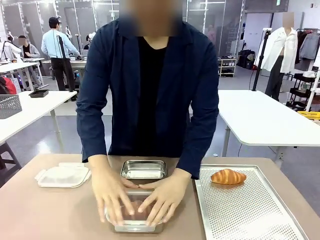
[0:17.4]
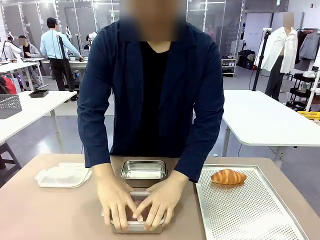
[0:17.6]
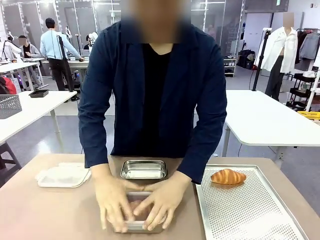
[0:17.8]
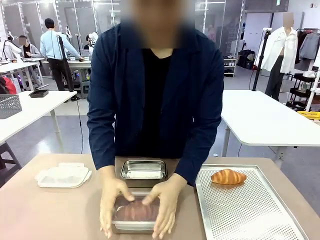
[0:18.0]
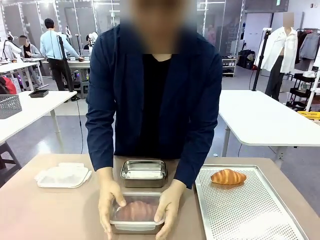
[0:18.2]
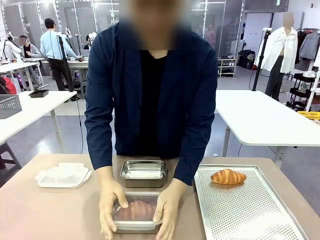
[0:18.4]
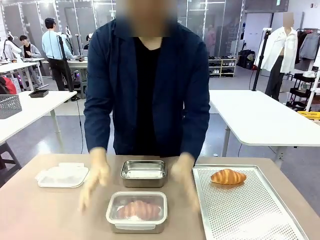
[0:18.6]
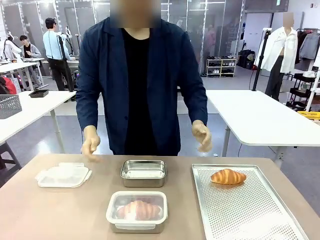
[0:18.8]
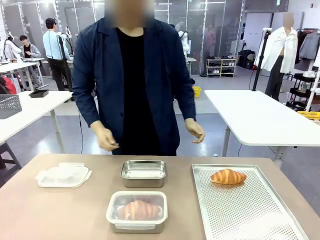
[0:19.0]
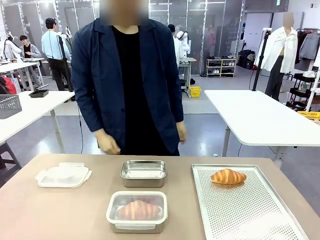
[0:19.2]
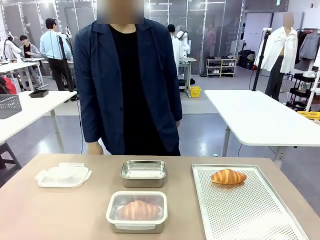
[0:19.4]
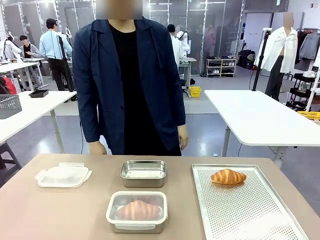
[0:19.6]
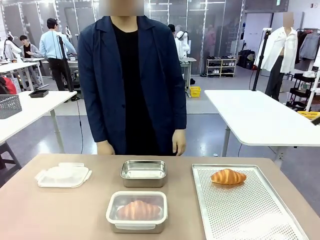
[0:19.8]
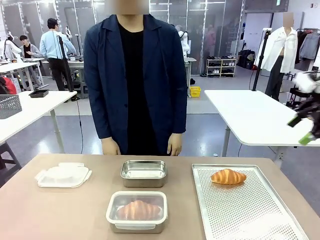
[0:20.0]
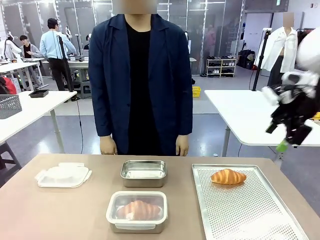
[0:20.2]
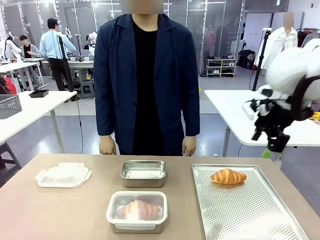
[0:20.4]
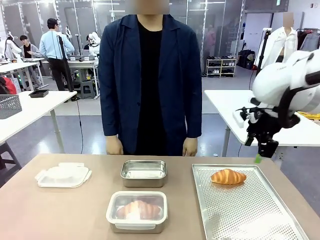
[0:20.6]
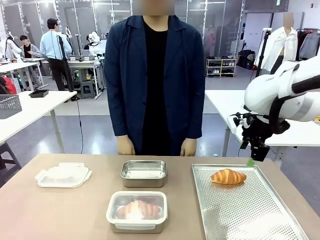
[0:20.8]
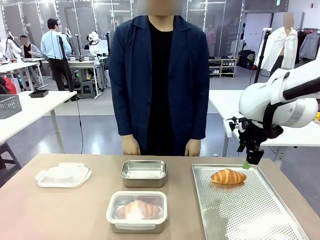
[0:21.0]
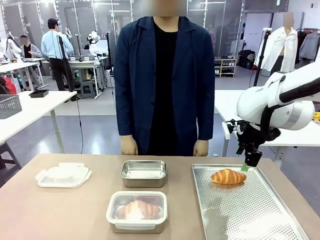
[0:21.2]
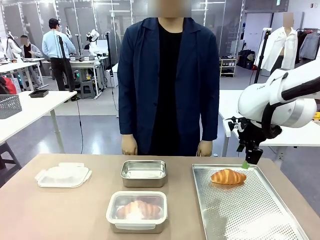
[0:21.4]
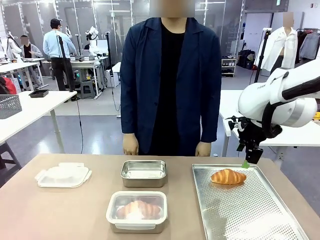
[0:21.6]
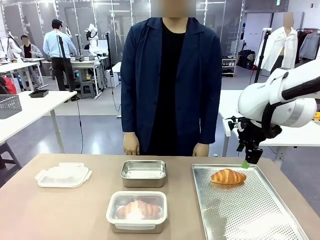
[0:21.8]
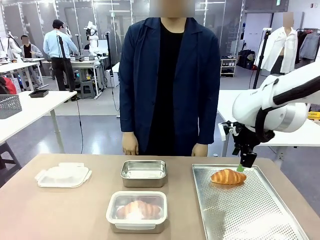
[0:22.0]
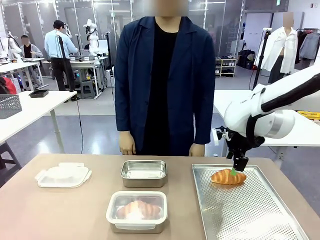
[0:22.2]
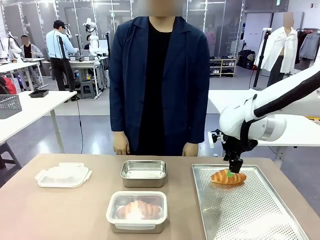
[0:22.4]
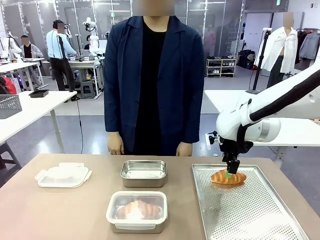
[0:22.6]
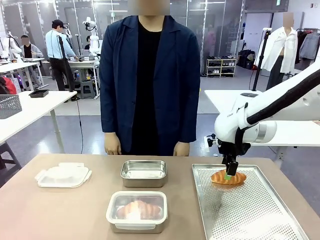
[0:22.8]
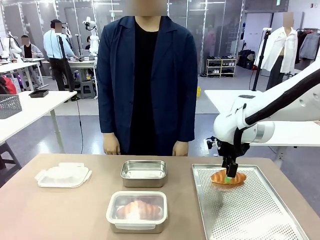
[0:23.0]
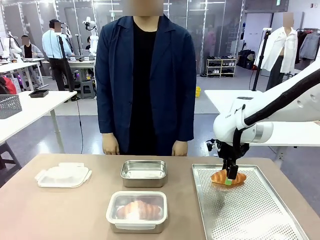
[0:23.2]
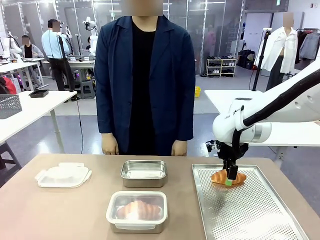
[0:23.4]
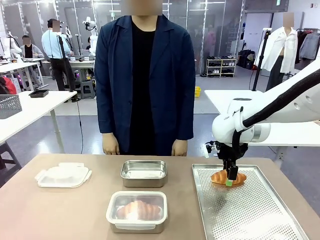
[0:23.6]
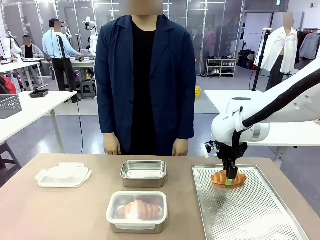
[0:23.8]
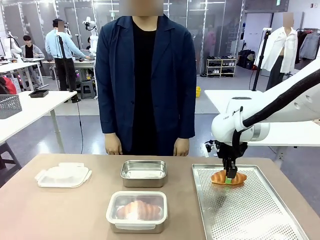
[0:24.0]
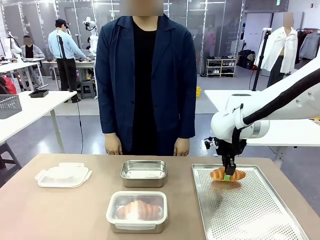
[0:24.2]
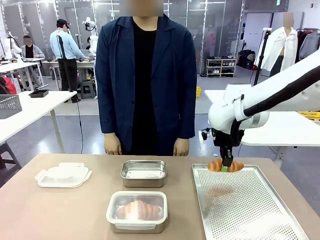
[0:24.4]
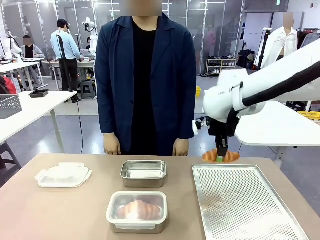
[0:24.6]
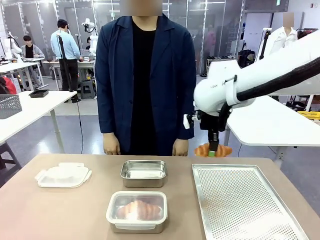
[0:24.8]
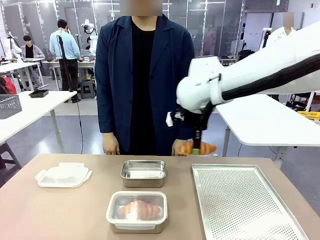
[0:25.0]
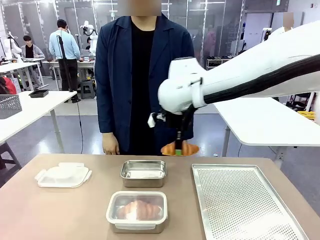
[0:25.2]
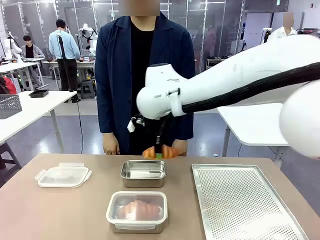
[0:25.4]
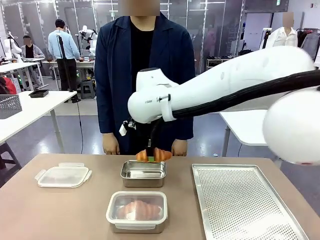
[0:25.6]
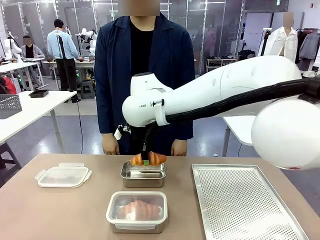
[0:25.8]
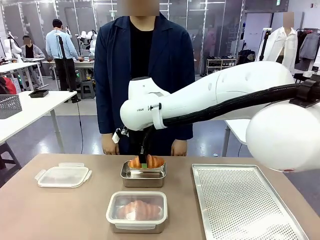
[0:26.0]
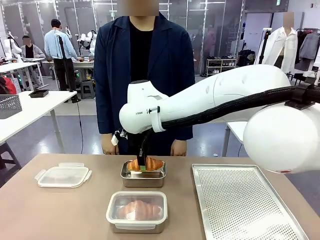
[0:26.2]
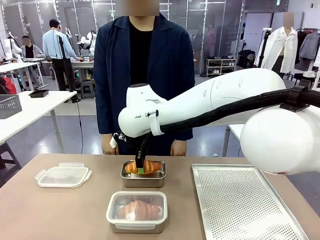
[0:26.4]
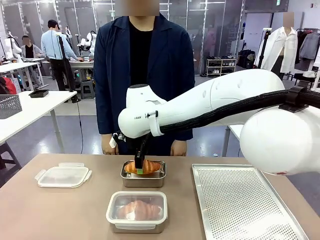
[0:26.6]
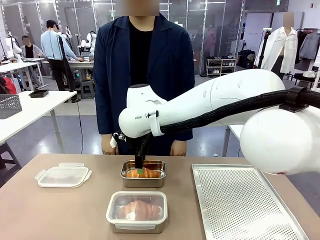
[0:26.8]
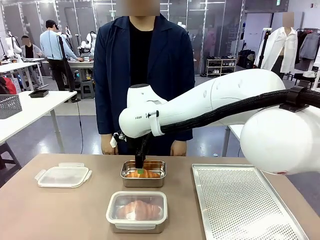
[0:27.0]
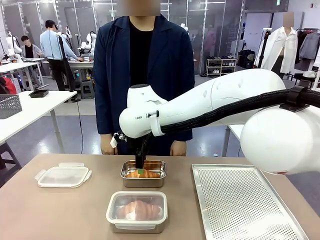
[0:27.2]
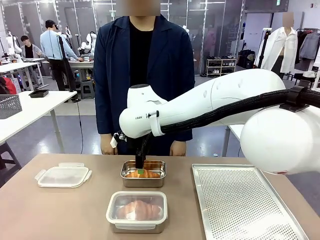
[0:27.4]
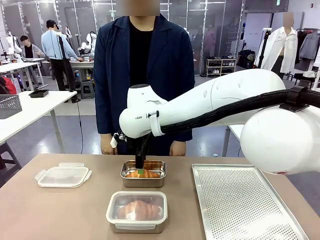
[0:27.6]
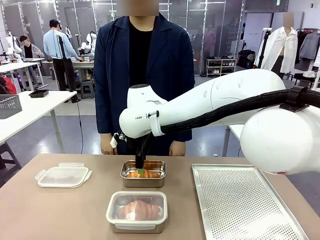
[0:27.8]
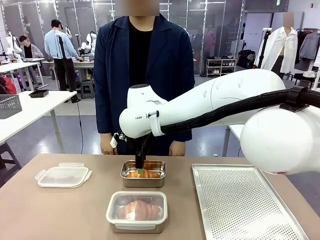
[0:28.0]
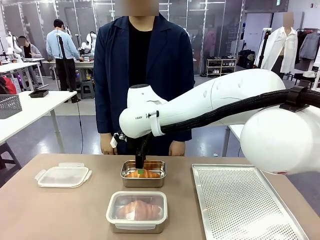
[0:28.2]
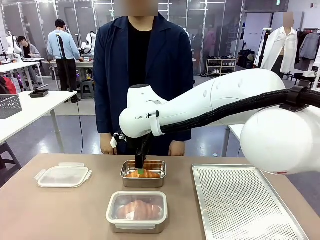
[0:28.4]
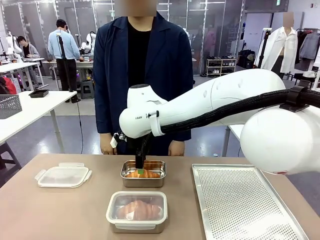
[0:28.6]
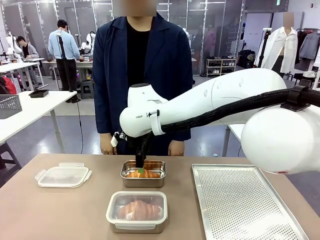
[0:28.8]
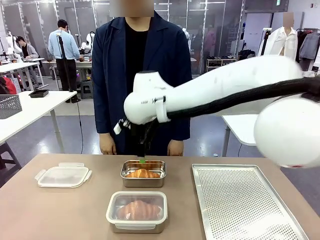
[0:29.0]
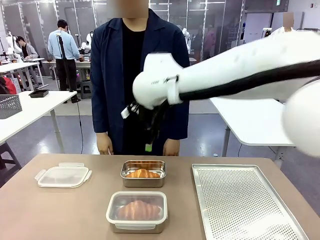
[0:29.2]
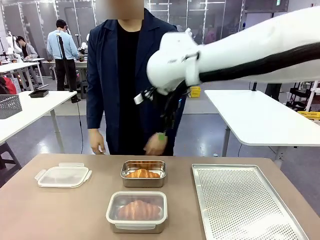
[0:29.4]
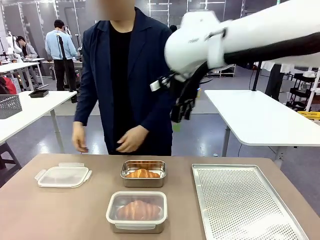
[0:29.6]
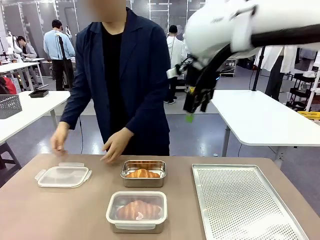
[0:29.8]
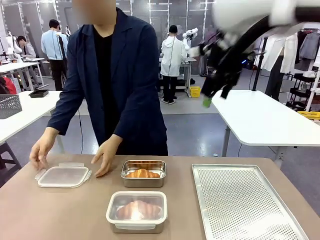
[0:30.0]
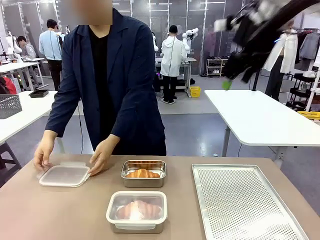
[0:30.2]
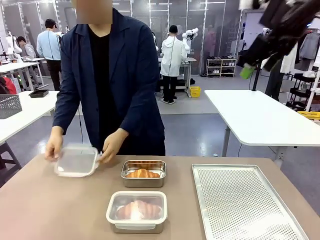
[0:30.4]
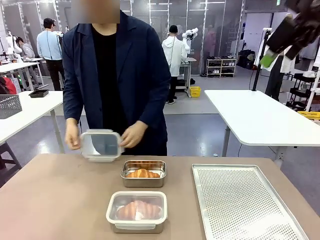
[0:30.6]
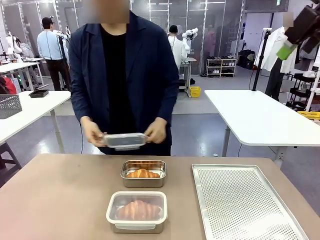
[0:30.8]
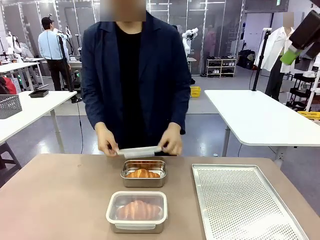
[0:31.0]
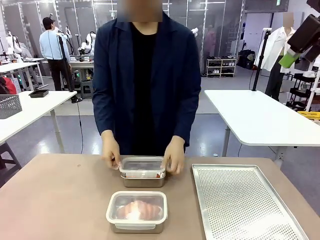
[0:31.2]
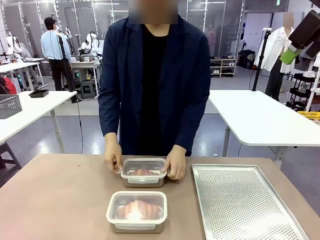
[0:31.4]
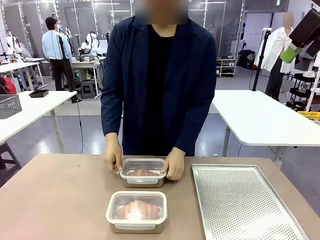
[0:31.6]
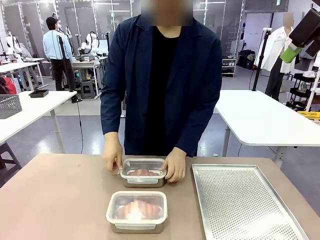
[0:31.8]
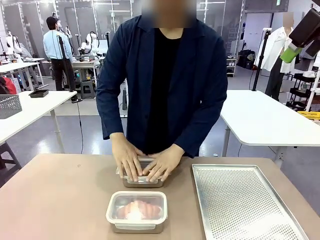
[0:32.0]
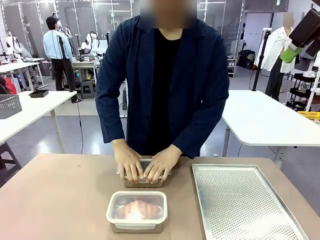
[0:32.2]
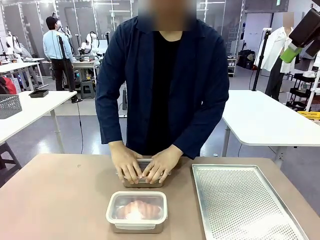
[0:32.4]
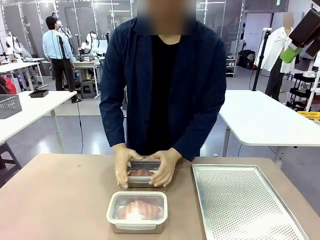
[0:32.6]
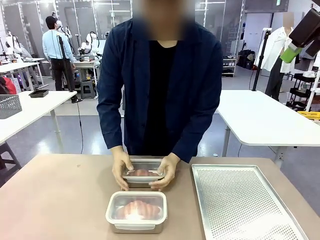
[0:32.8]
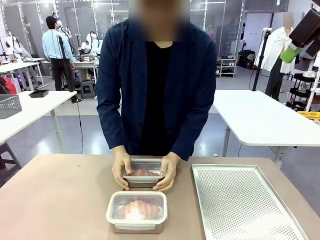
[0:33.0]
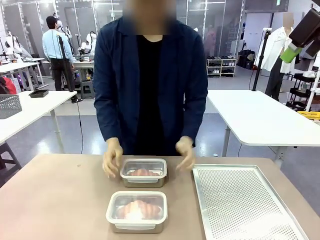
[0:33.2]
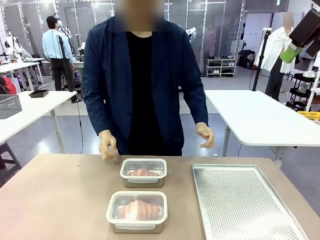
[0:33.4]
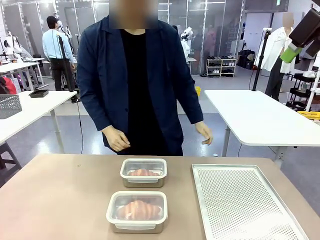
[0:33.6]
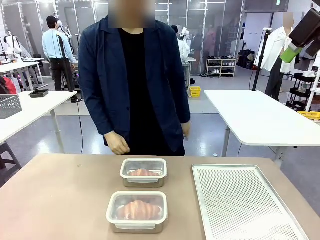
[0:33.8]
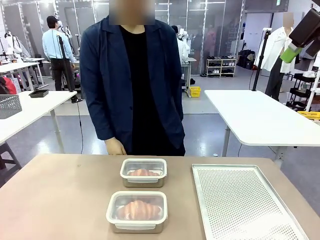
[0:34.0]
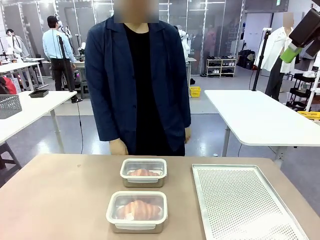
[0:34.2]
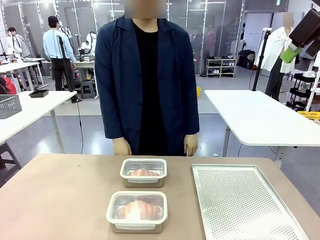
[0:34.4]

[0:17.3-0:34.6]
Task: Place the bread into the airtight container.
Robot: Pick up a Butter Roll and place it into an empty Airtight Container.
